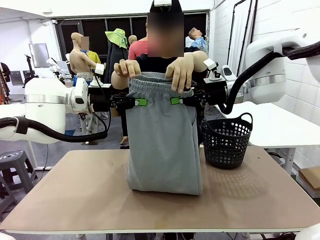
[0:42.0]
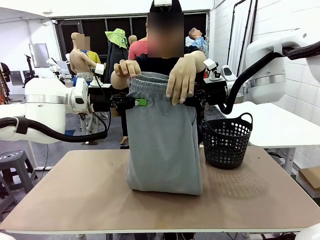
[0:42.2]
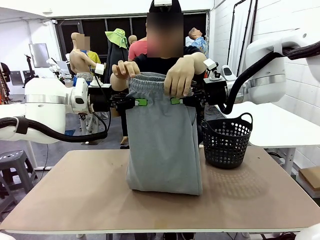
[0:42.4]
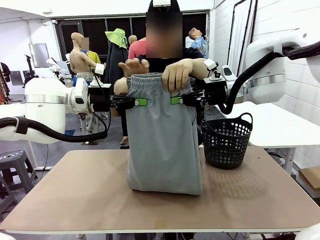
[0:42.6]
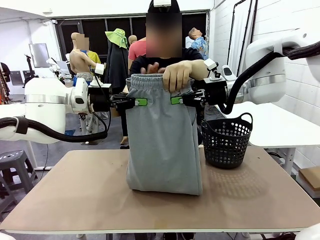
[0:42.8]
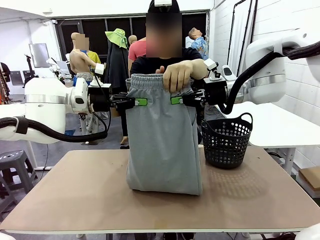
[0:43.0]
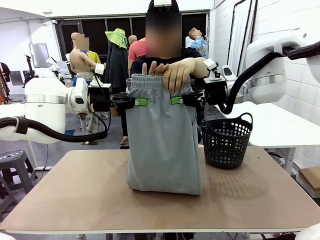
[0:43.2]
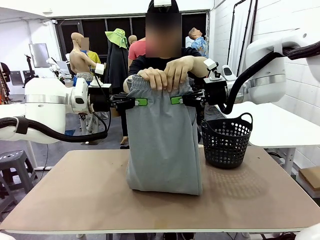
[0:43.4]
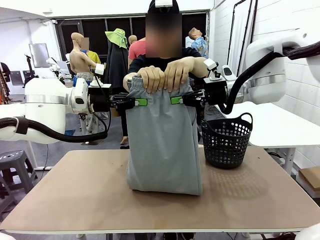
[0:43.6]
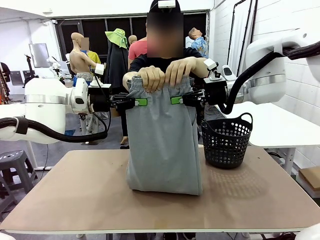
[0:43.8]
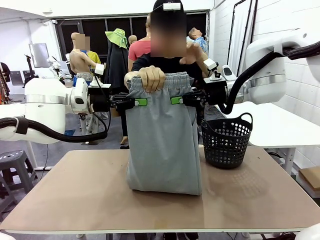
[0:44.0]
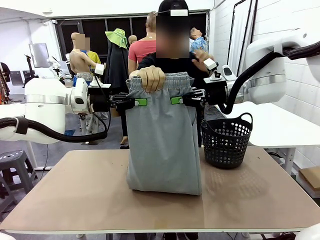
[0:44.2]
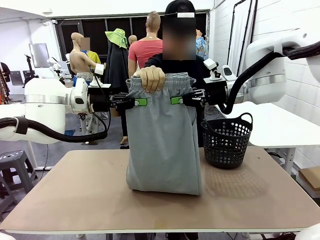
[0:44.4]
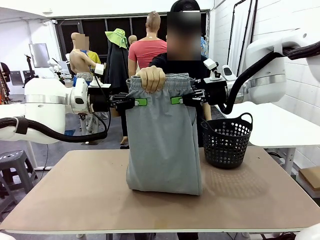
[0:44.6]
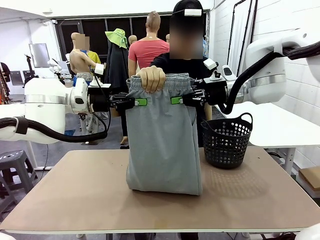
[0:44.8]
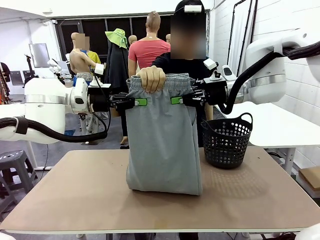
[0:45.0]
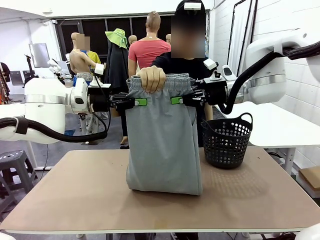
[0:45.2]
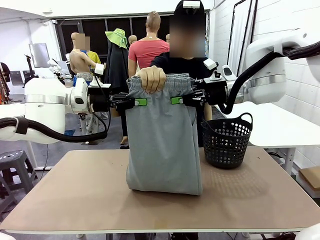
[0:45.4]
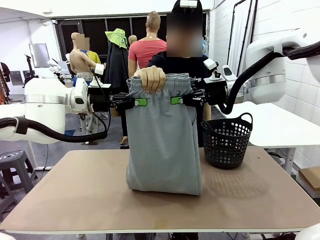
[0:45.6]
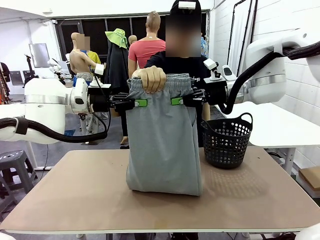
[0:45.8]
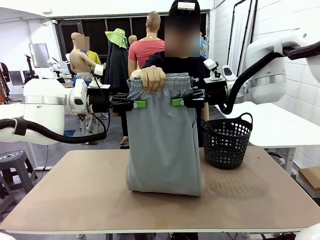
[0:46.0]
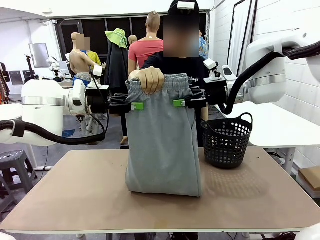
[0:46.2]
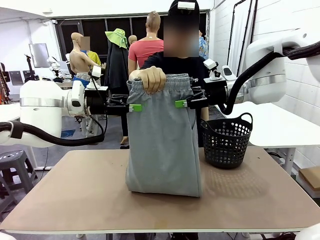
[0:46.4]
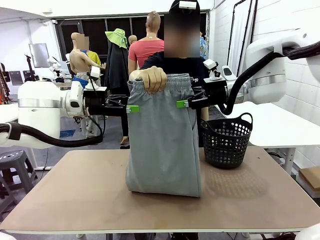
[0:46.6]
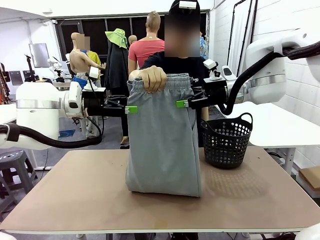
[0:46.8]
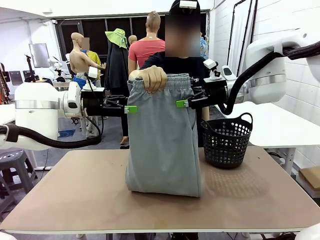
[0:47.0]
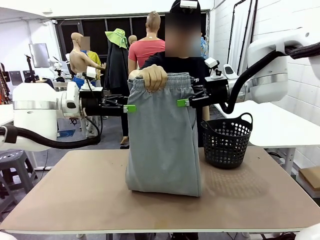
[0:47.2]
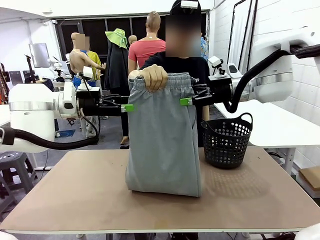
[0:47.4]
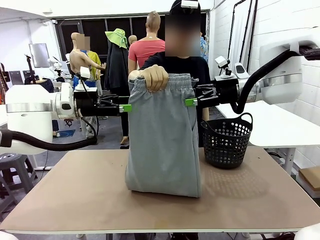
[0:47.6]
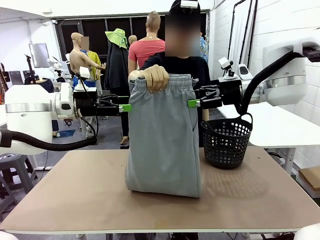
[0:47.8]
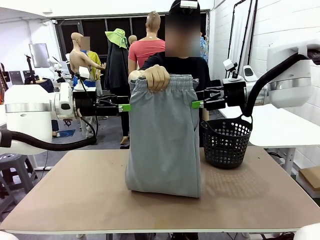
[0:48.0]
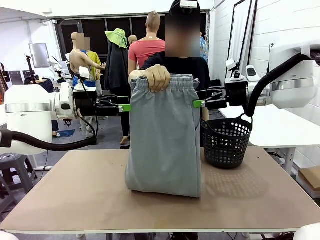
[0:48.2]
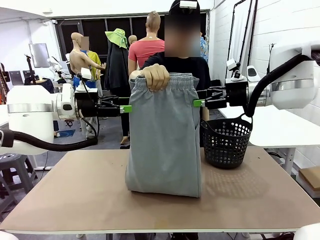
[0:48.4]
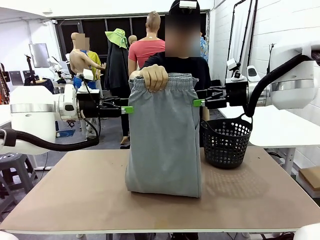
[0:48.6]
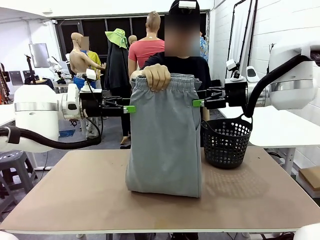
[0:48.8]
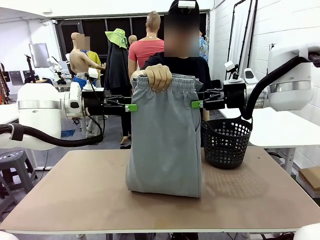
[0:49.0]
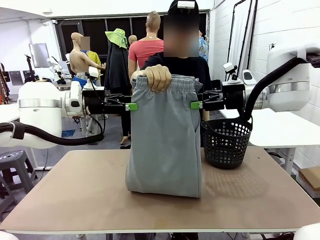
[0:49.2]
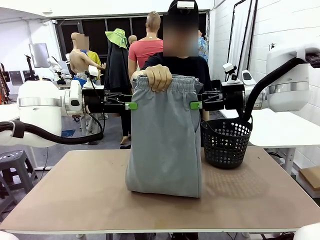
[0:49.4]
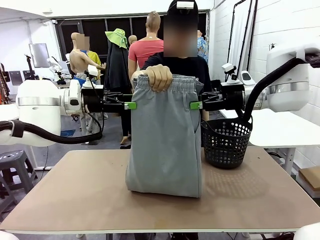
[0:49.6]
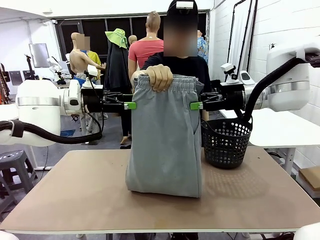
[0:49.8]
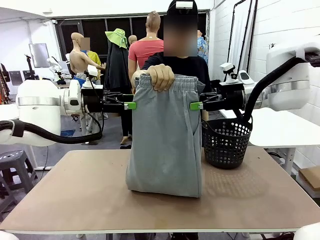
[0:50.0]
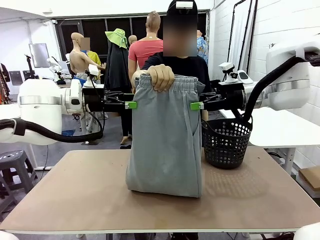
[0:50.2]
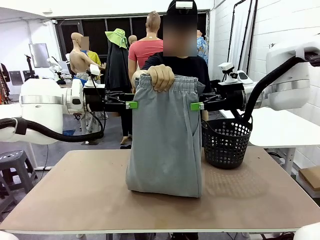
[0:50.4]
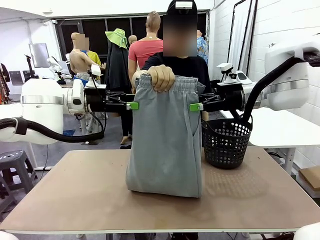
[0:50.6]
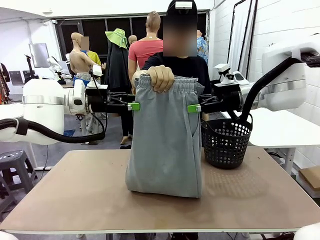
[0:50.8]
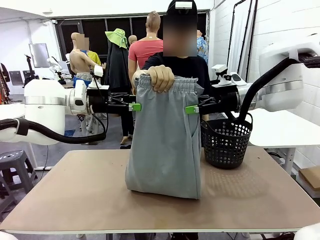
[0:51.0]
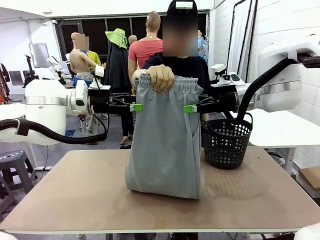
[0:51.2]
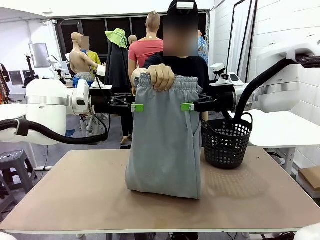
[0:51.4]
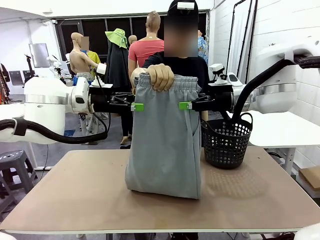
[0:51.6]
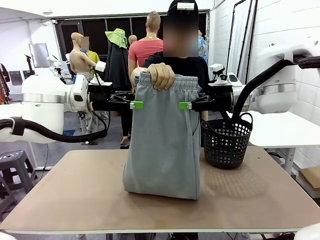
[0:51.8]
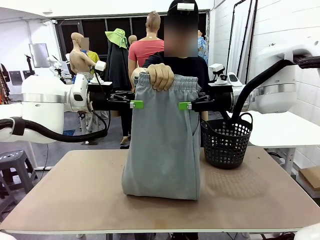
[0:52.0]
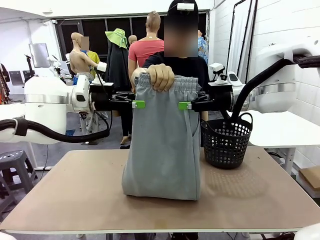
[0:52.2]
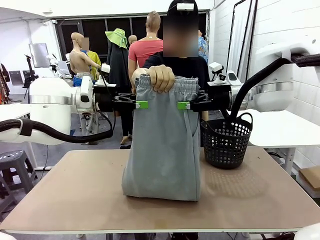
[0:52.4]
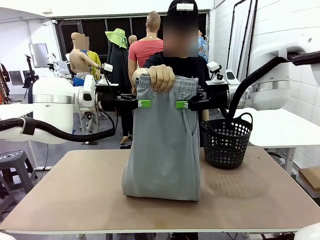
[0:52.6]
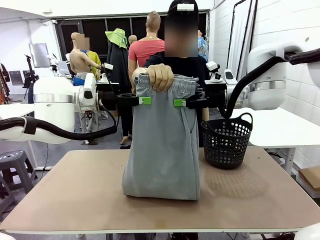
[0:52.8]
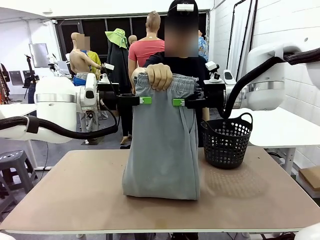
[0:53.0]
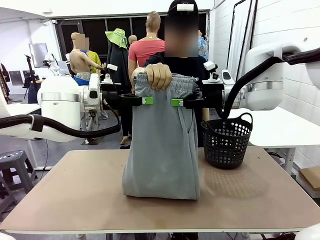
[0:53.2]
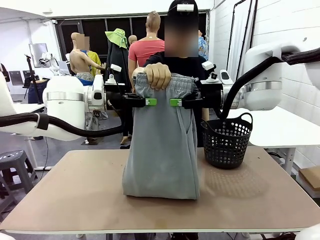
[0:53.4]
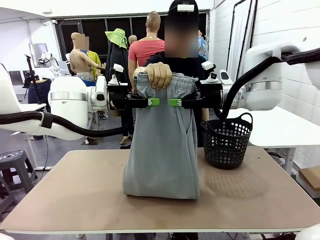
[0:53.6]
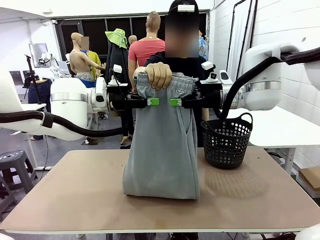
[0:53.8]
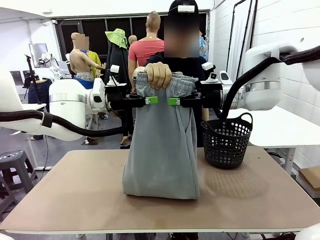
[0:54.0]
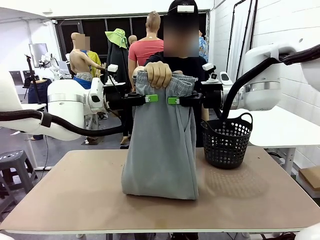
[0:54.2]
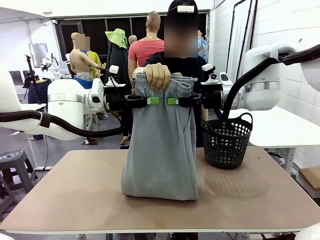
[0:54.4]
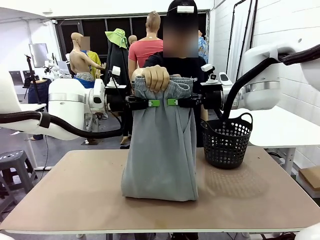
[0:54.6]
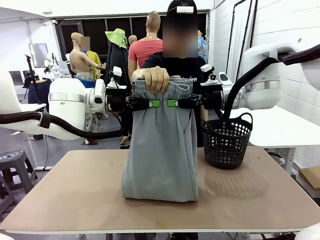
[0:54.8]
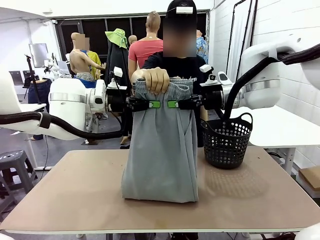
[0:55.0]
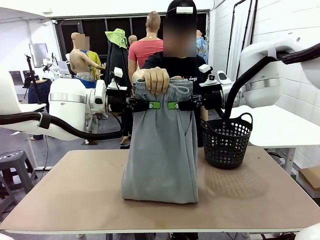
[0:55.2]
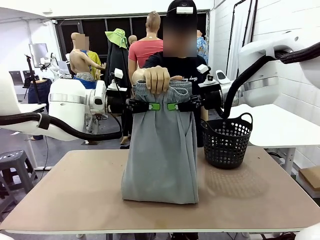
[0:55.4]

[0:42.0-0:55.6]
Task: Fold the training pants.
Robot: Release the ends of the Training pants and then grab the overlapped ends.
Person: Release the pants you were holding.

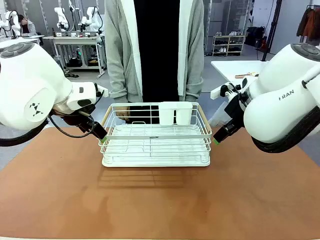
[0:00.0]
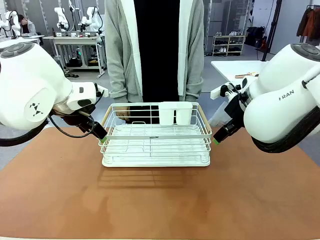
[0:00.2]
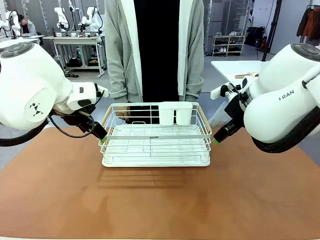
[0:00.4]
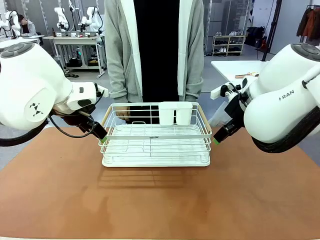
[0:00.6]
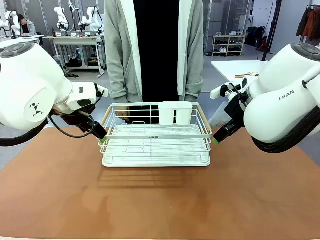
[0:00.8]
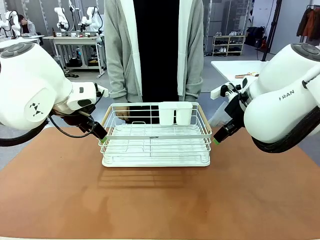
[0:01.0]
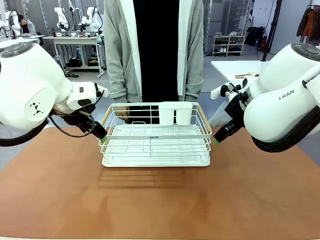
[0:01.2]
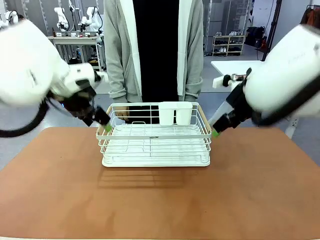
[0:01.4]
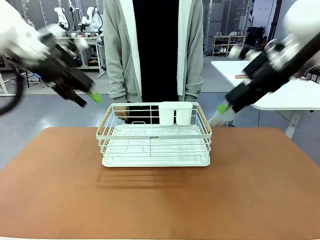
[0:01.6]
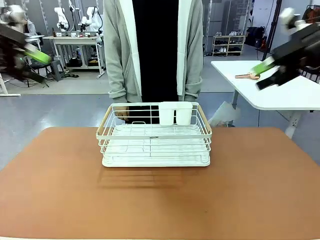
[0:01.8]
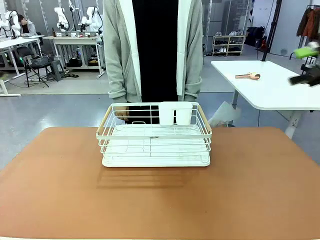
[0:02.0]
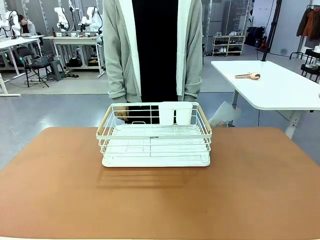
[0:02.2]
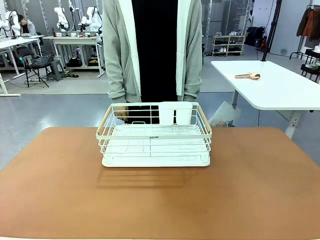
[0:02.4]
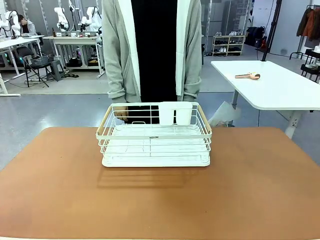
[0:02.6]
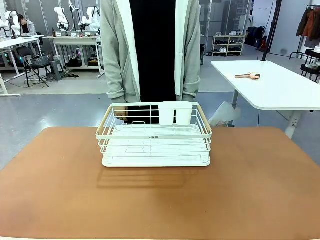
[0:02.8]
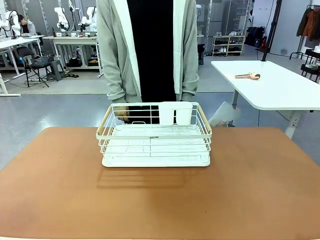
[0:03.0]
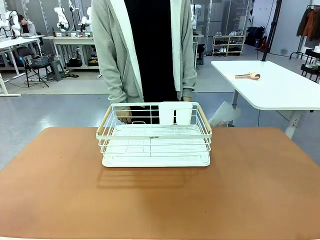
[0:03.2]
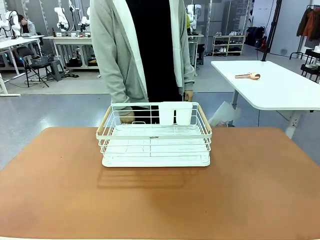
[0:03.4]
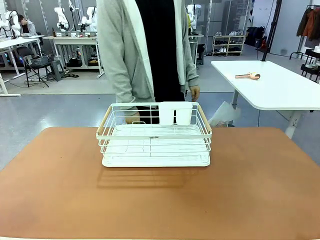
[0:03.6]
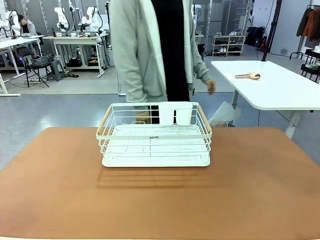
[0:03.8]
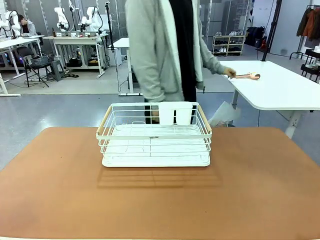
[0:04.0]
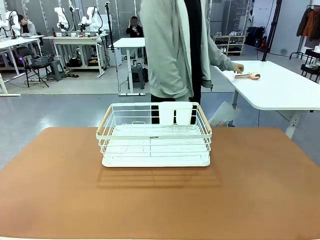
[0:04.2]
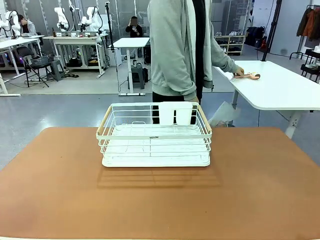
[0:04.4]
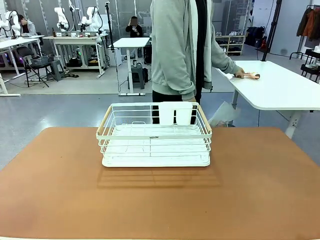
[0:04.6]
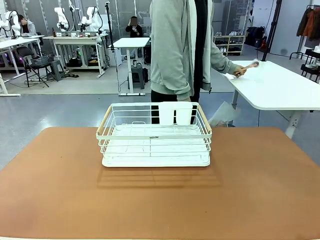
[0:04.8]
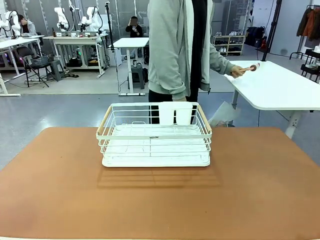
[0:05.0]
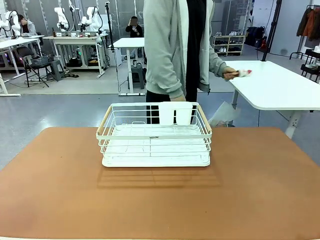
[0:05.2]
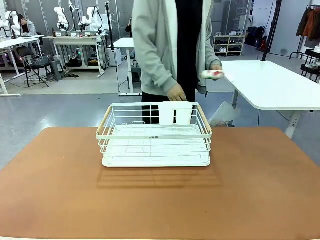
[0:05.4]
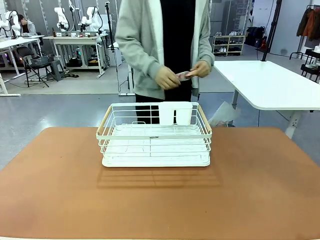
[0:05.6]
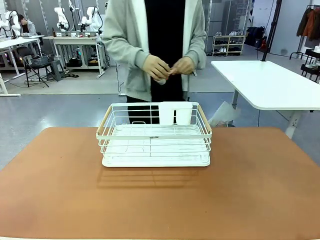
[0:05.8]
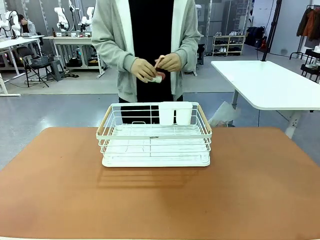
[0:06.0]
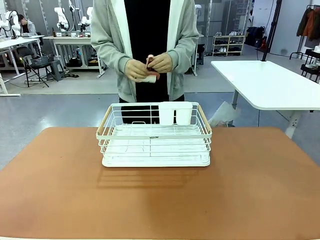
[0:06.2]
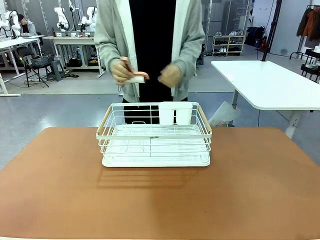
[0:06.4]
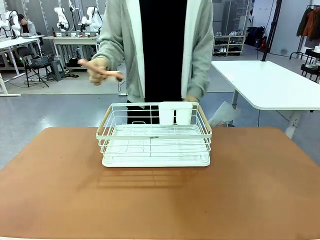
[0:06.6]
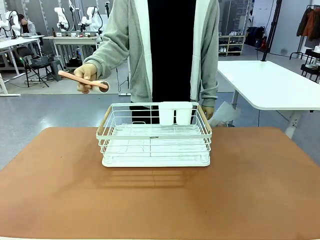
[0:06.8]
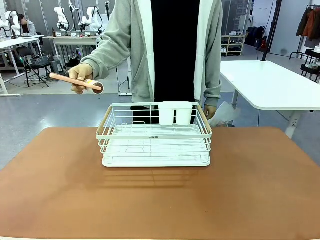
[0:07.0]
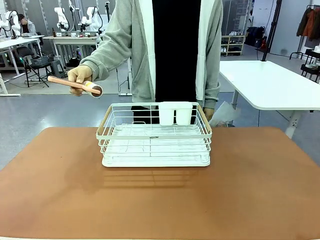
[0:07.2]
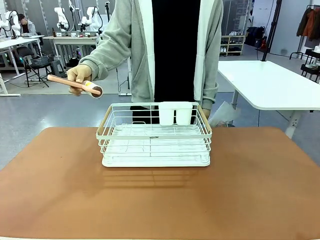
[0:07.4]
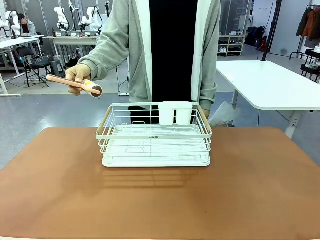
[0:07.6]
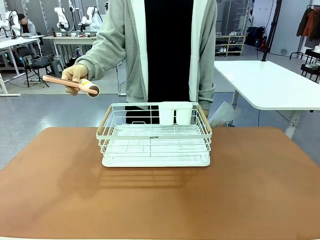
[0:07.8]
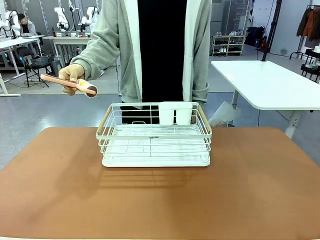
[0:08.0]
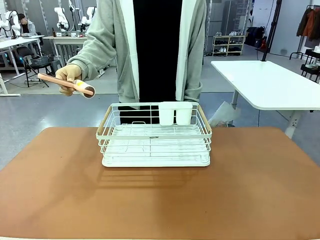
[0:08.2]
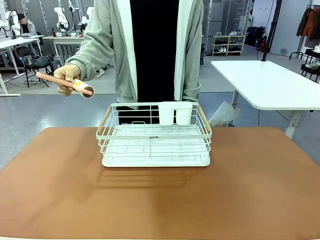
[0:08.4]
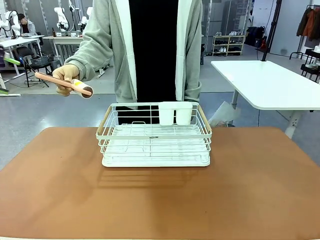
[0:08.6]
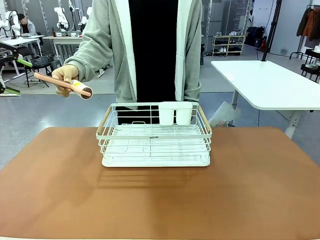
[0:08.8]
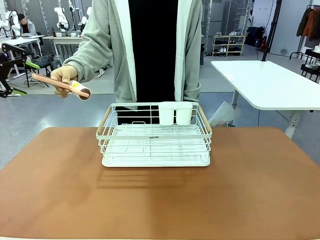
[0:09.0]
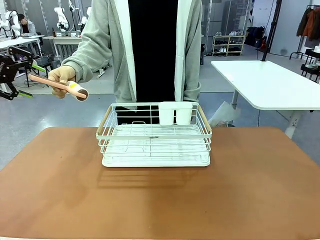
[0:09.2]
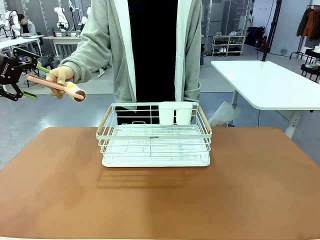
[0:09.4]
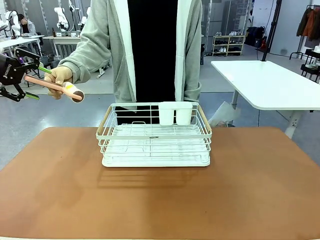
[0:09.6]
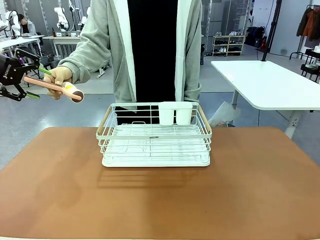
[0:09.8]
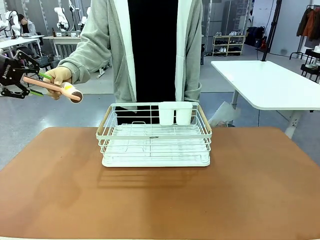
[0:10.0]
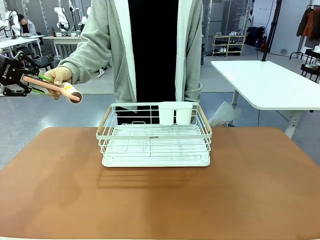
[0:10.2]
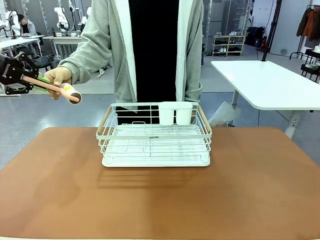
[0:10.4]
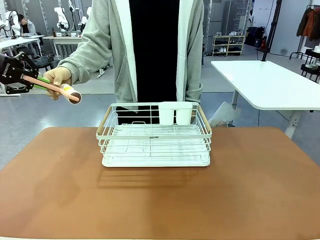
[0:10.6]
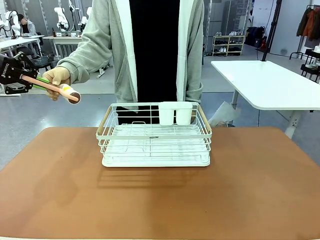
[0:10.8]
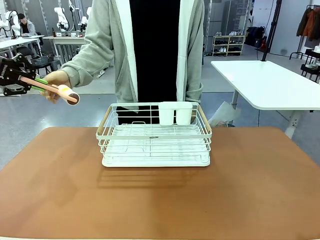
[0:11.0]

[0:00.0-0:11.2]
Task: Clean the table.
Robot: Pick up the Lint Roller when the human hands it over.
Person: Hand the Lint Roller to the robot so it can easily pick it up. Lift the Dish drying rack.
